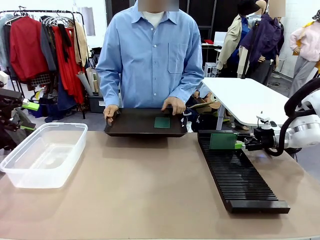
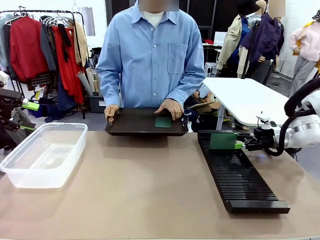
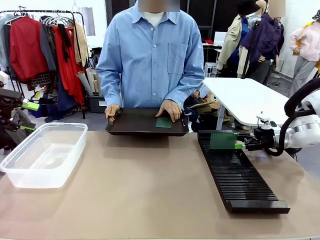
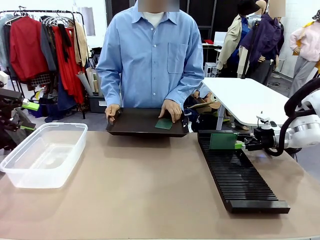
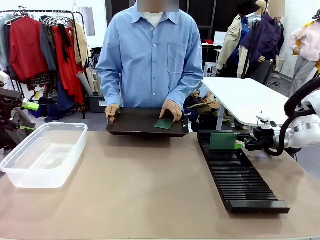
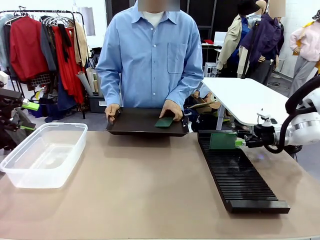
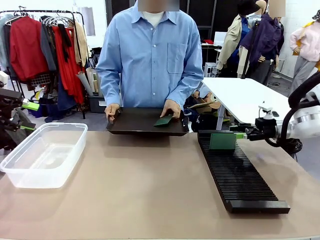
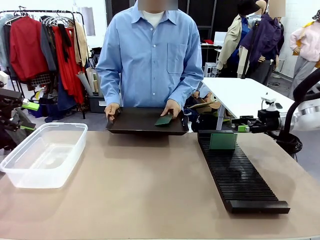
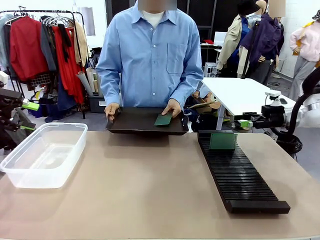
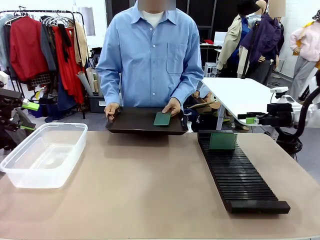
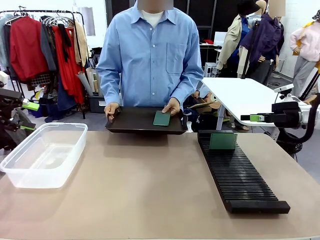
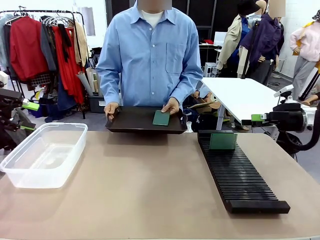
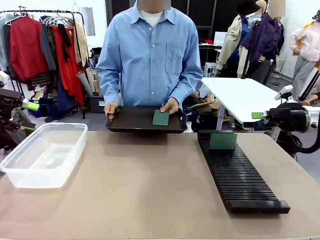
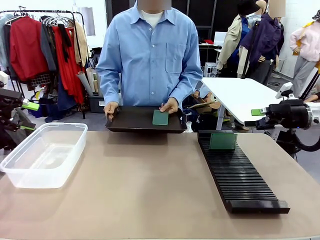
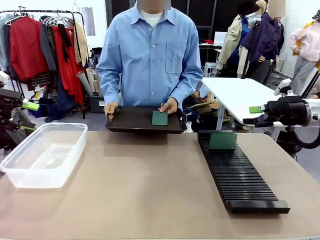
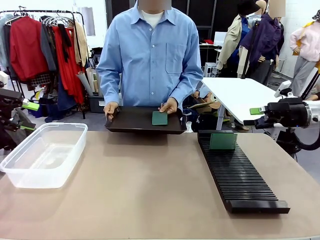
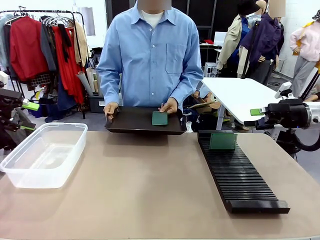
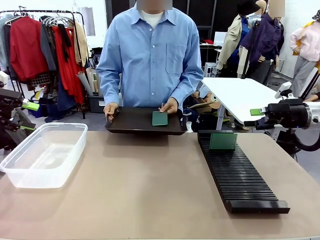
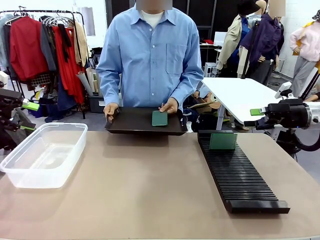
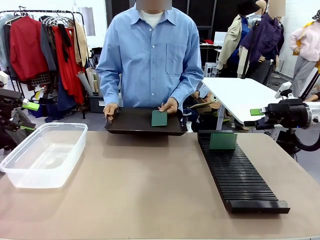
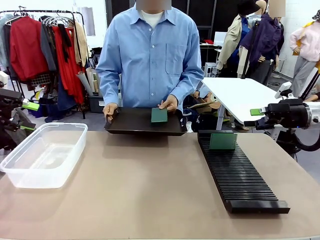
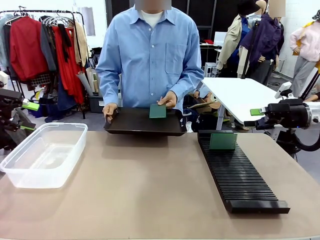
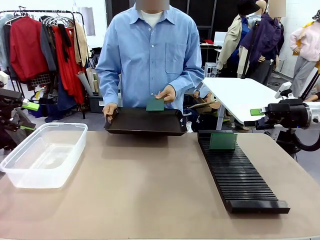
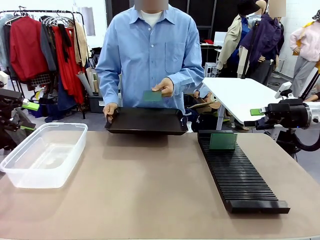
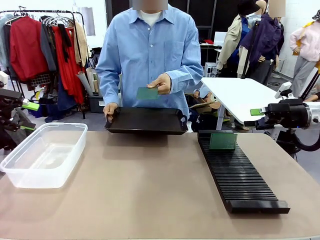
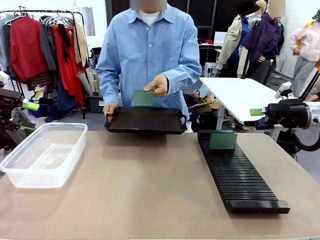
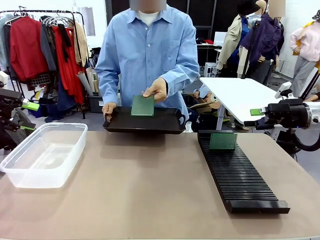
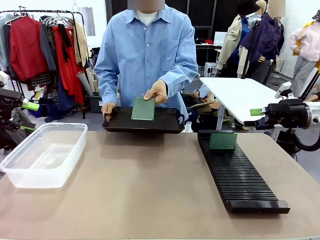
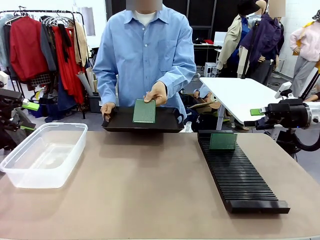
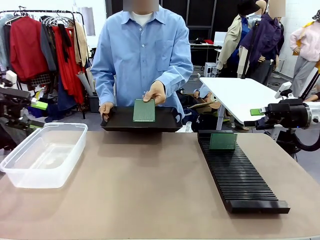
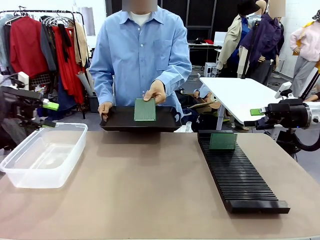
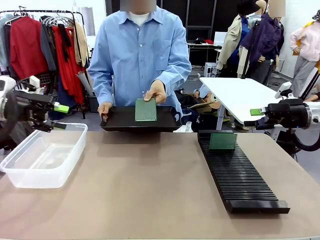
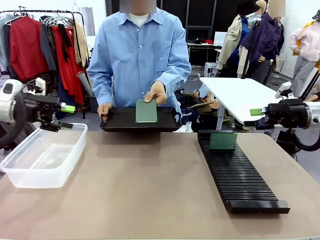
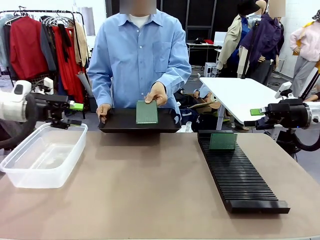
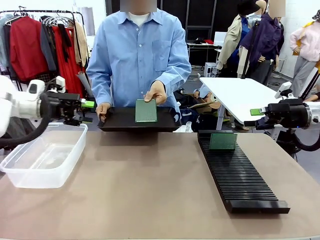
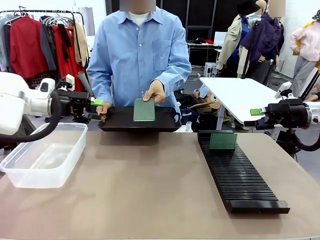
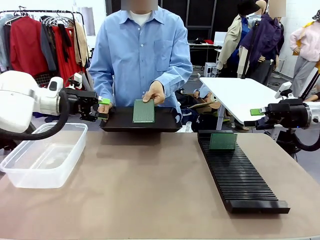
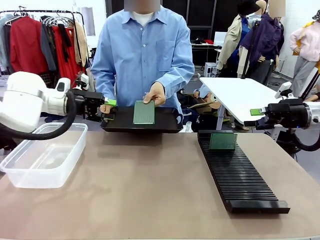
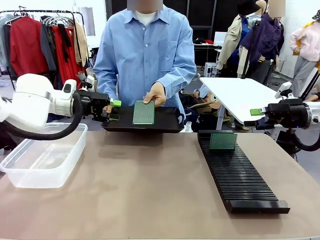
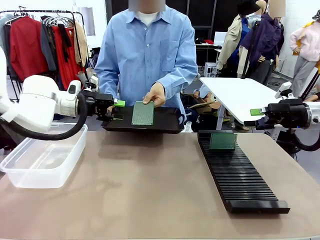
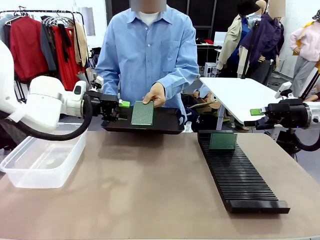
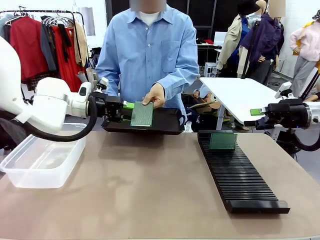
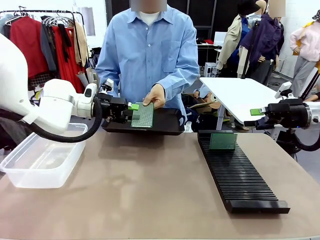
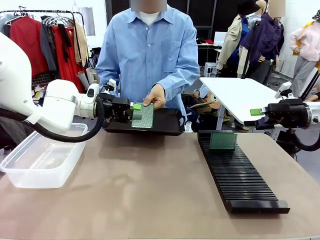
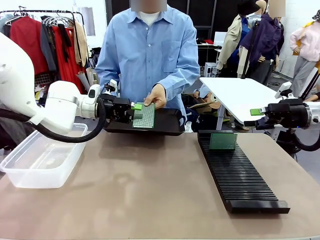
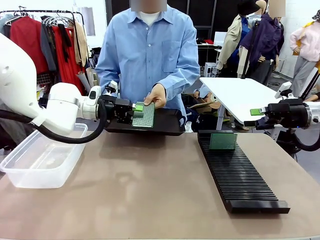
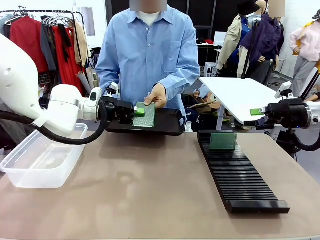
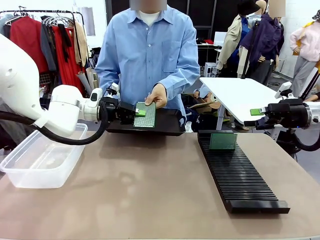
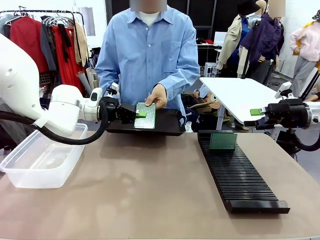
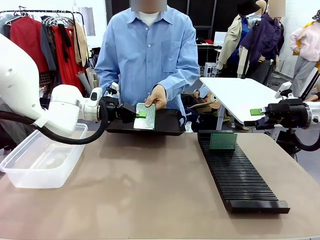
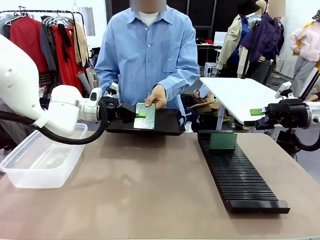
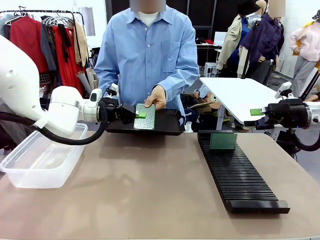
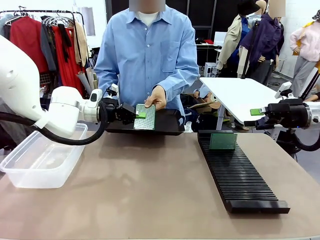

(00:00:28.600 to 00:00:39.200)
Task: Sort PCBs into racks and boxes based on the side picked up.
Robot: Pick up the Blank PCB handed by the Human.

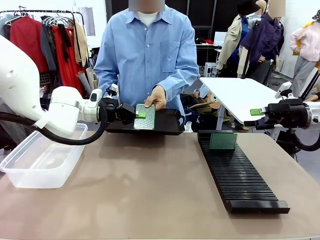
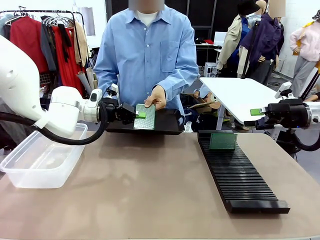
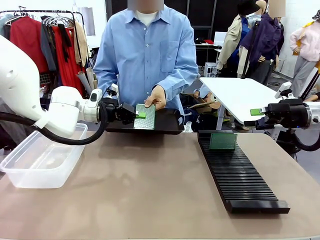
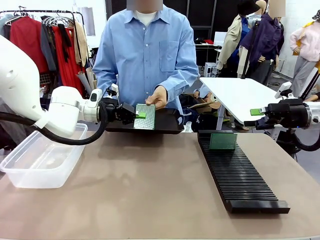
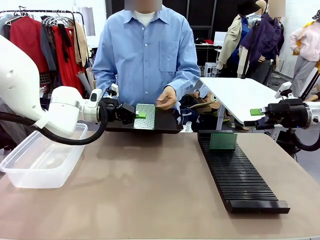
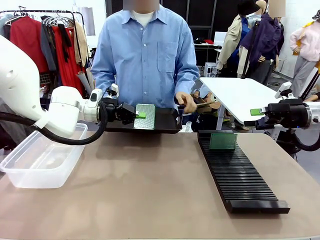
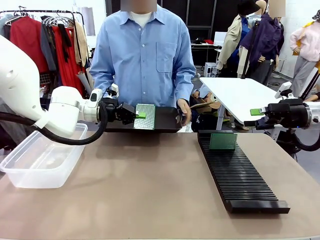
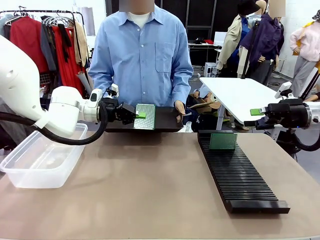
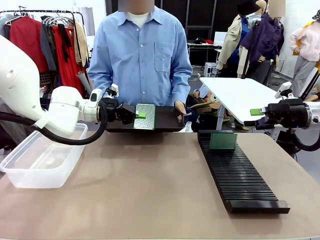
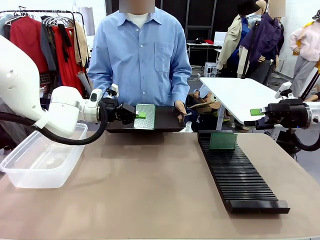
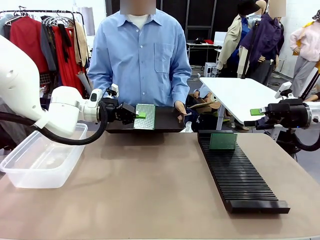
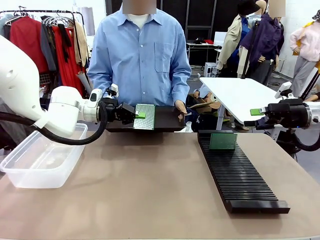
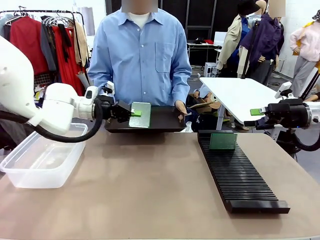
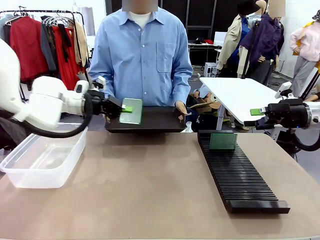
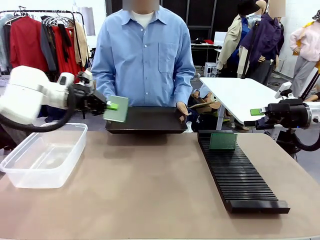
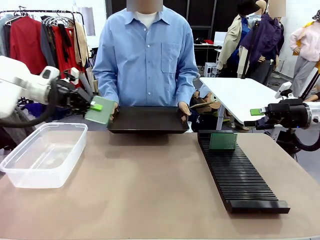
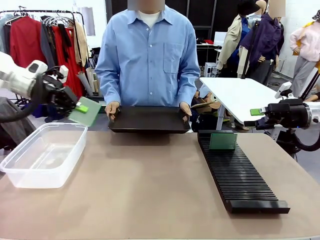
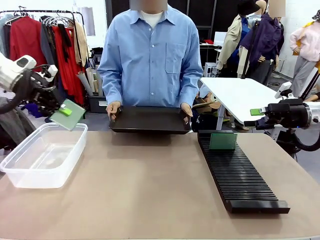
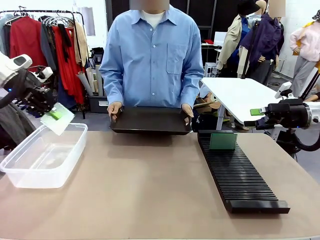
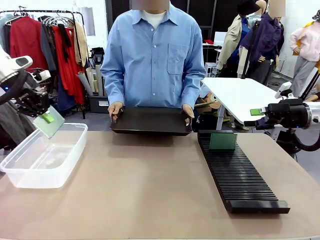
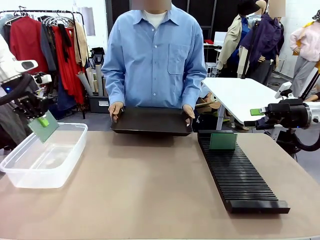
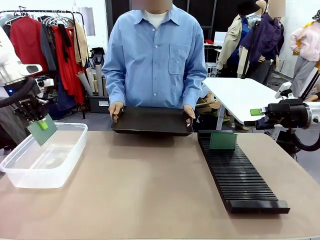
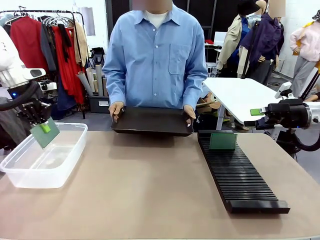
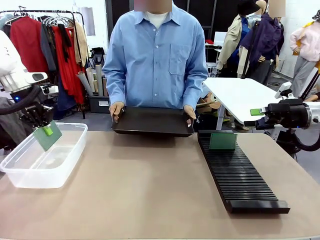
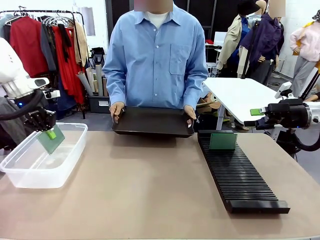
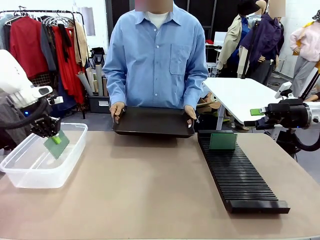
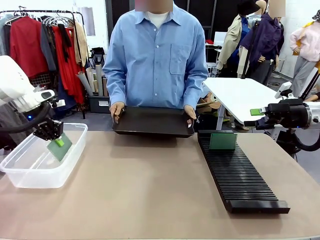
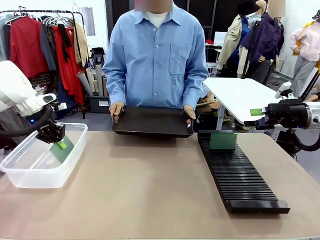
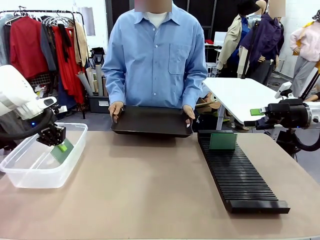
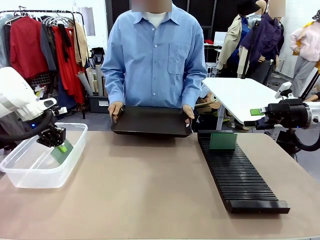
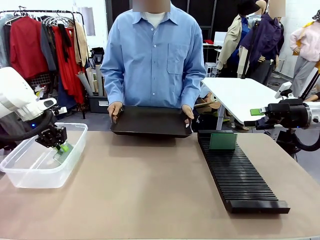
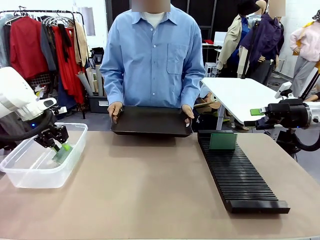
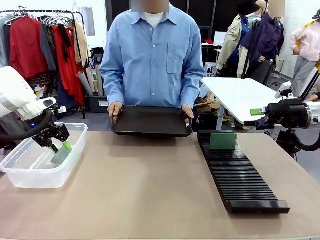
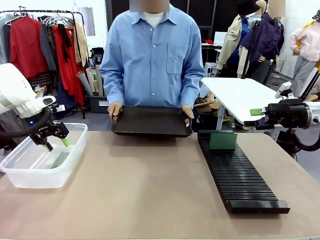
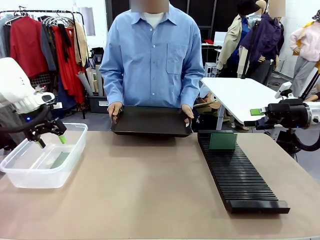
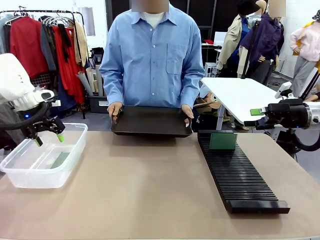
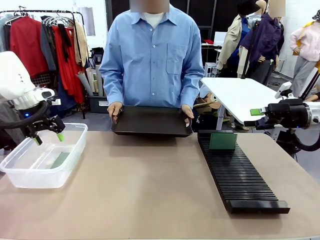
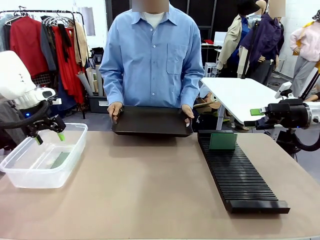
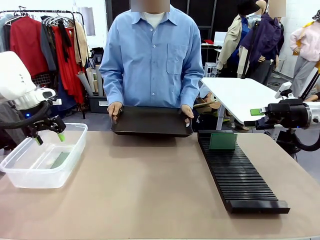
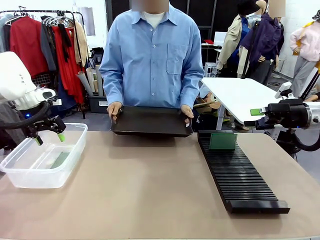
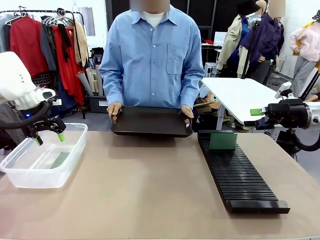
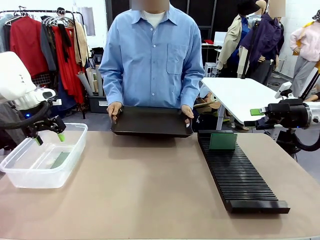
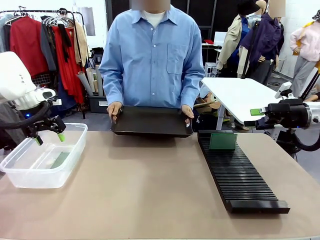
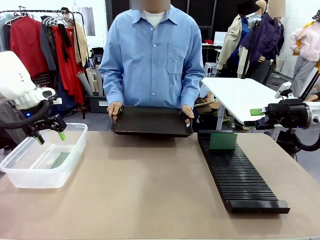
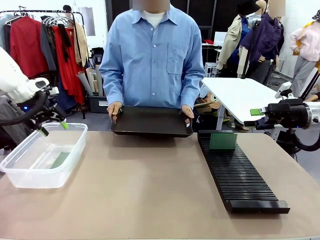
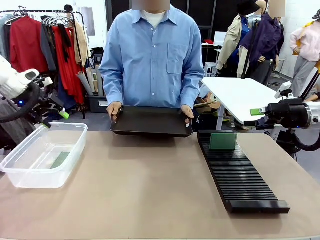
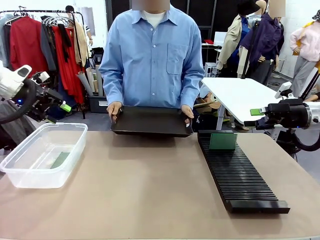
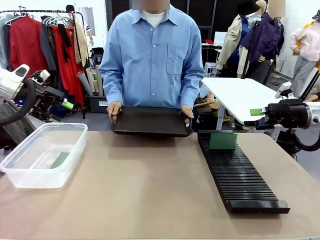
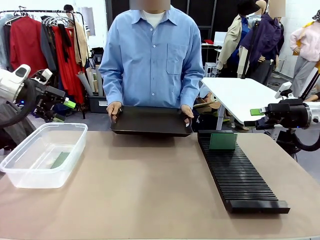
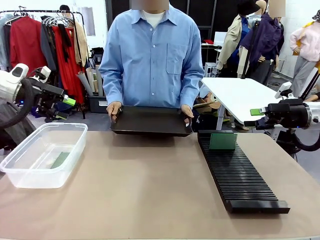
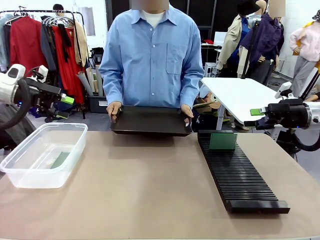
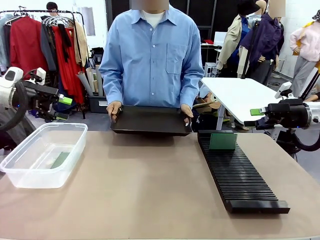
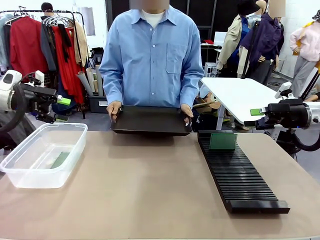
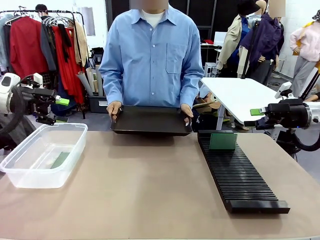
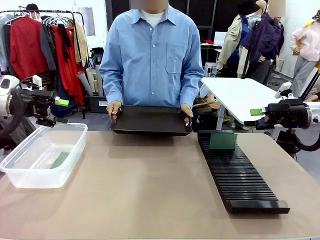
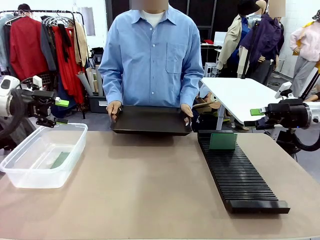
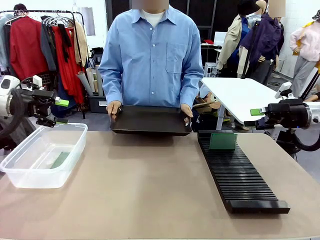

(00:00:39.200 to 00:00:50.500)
Robot: If the short side of the Blank PCB is picked up, insert it into the PCB Rack ; if the long side is picked up, place it in the Organizing box.
Person: Release the PCB being held.
